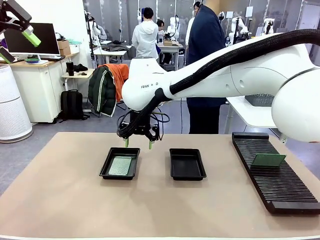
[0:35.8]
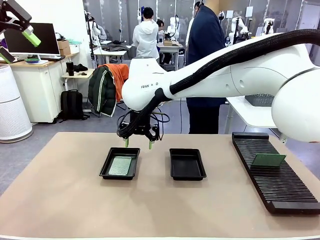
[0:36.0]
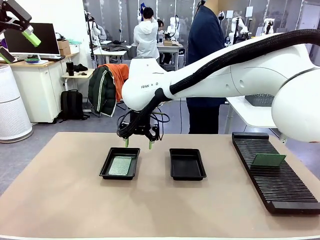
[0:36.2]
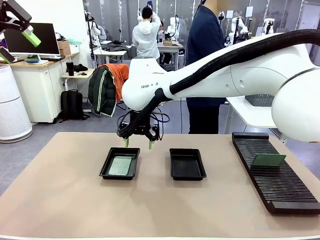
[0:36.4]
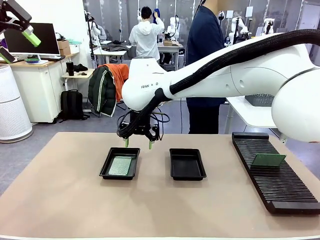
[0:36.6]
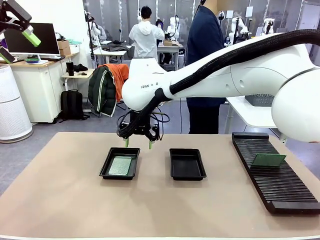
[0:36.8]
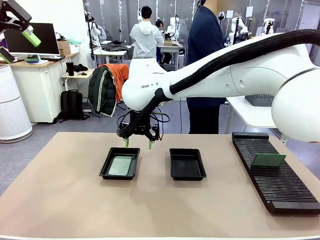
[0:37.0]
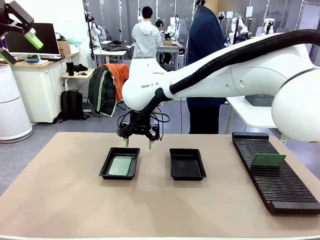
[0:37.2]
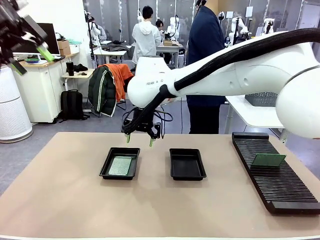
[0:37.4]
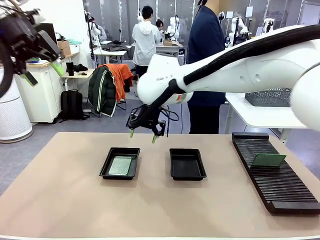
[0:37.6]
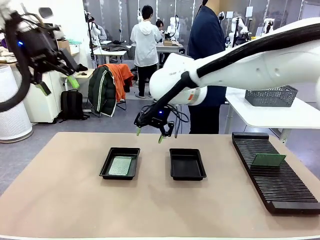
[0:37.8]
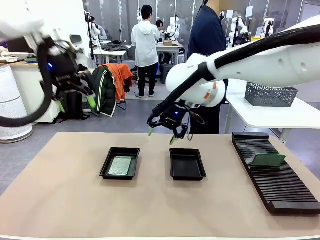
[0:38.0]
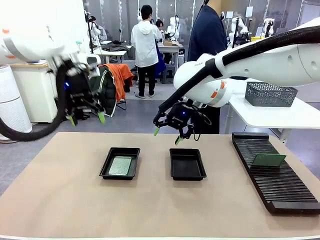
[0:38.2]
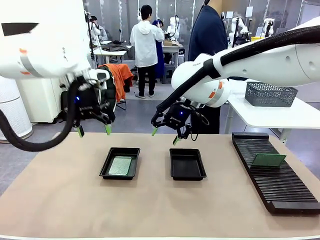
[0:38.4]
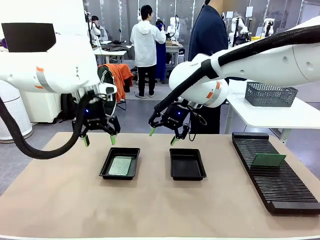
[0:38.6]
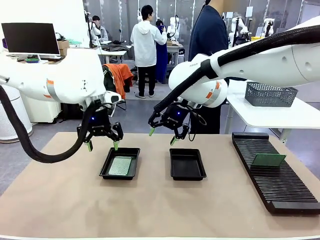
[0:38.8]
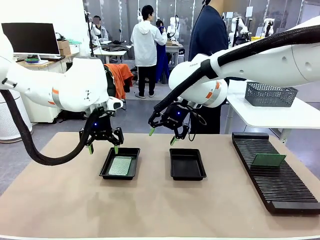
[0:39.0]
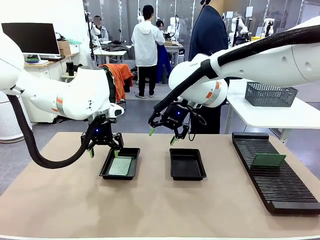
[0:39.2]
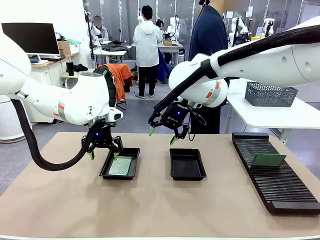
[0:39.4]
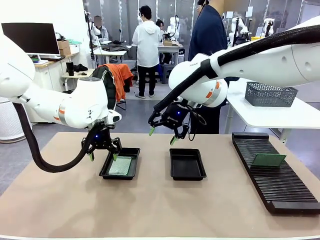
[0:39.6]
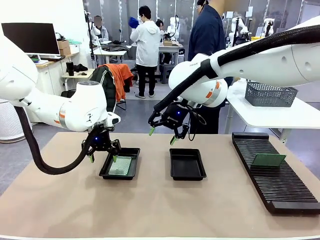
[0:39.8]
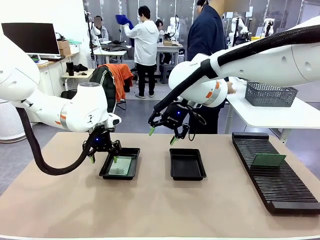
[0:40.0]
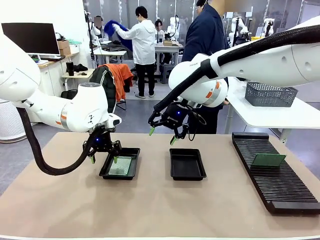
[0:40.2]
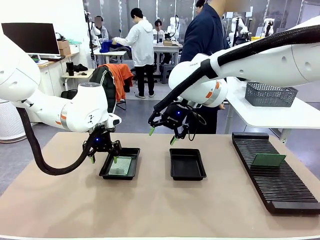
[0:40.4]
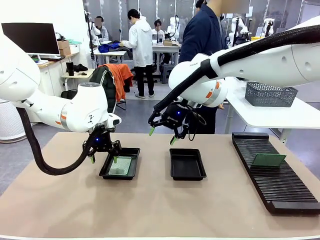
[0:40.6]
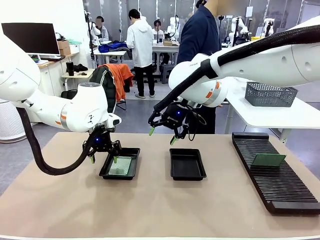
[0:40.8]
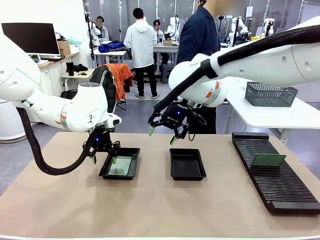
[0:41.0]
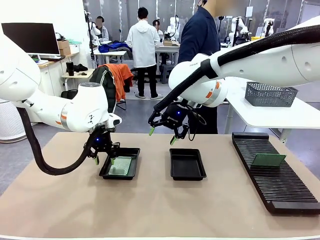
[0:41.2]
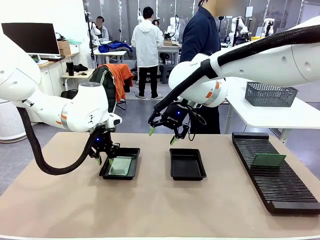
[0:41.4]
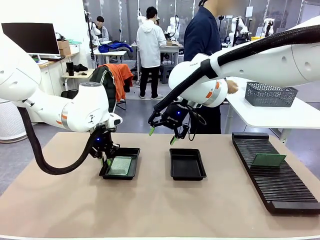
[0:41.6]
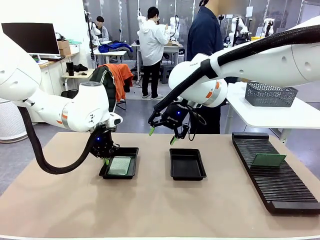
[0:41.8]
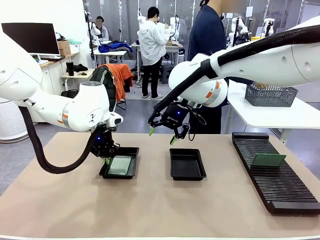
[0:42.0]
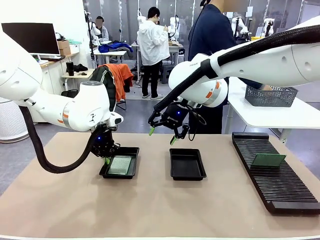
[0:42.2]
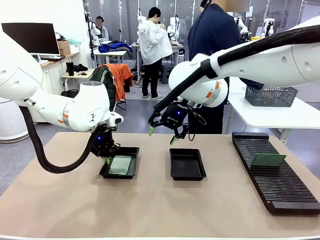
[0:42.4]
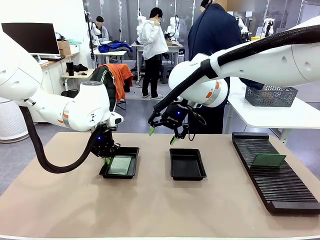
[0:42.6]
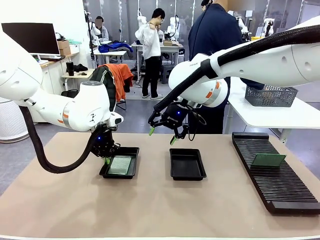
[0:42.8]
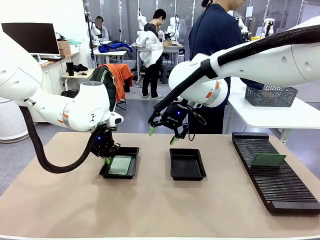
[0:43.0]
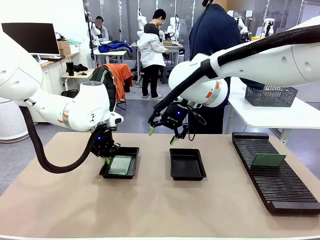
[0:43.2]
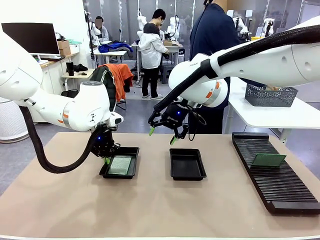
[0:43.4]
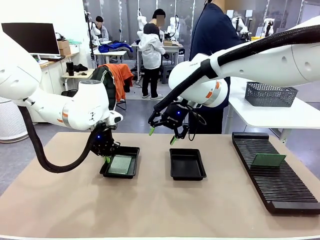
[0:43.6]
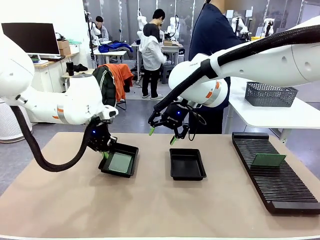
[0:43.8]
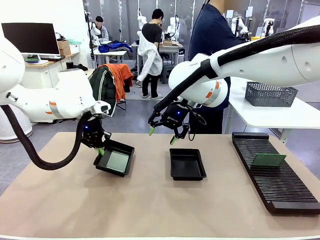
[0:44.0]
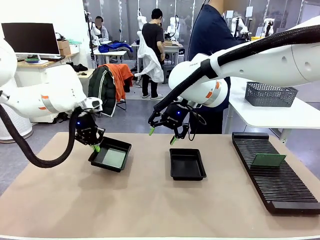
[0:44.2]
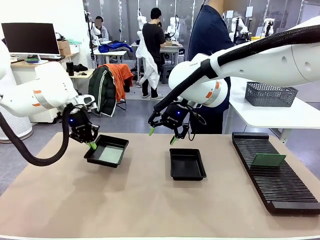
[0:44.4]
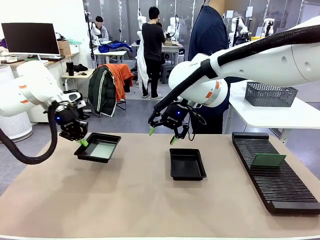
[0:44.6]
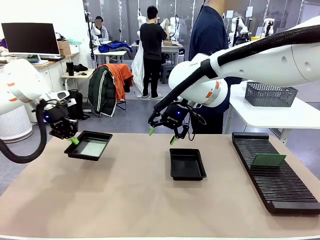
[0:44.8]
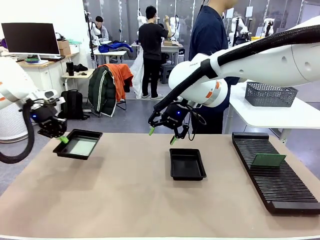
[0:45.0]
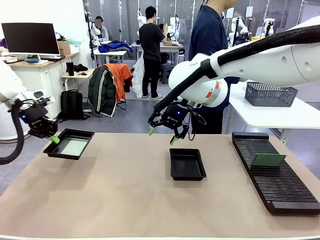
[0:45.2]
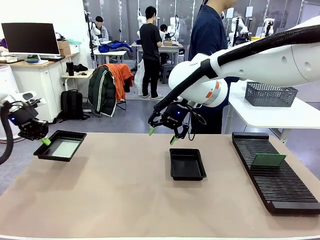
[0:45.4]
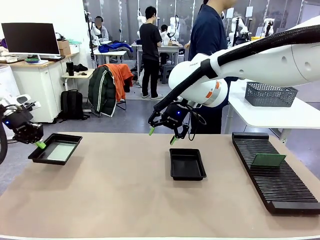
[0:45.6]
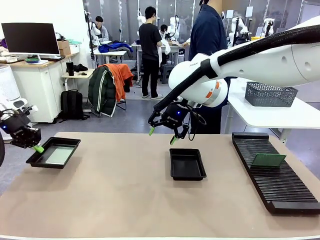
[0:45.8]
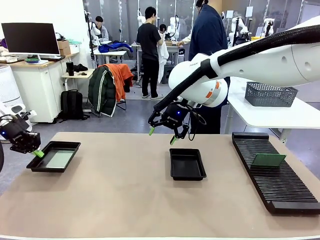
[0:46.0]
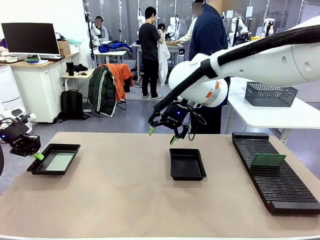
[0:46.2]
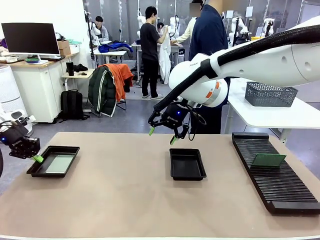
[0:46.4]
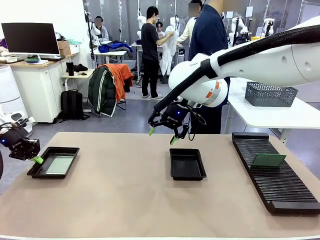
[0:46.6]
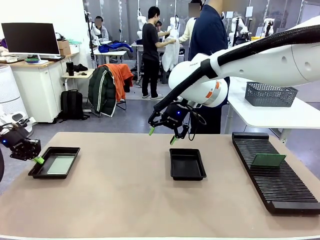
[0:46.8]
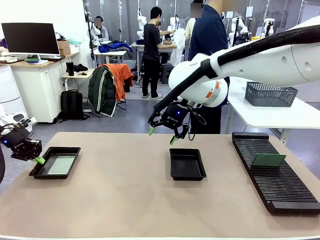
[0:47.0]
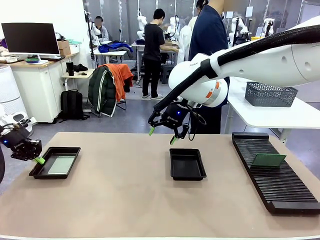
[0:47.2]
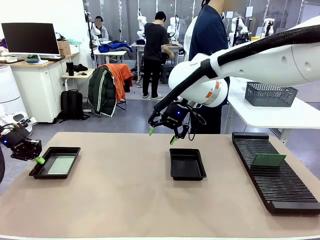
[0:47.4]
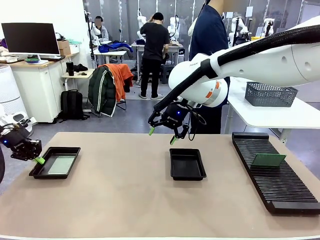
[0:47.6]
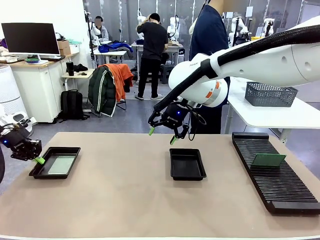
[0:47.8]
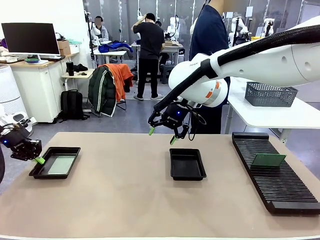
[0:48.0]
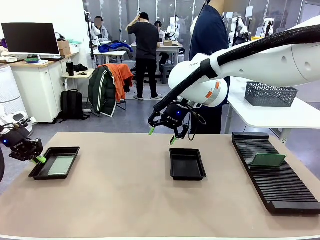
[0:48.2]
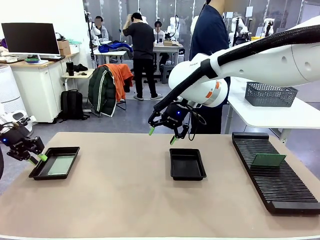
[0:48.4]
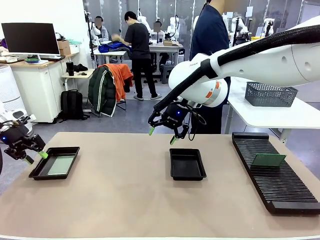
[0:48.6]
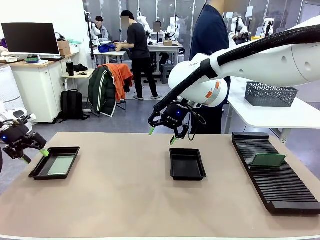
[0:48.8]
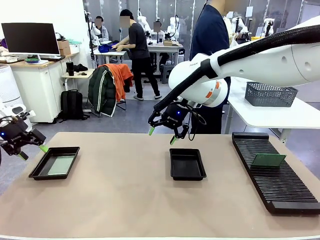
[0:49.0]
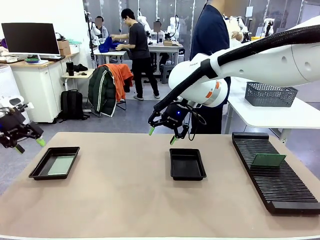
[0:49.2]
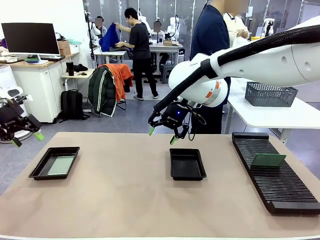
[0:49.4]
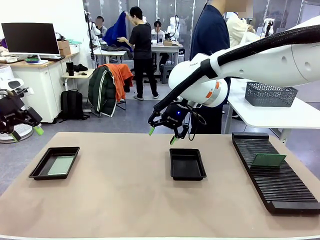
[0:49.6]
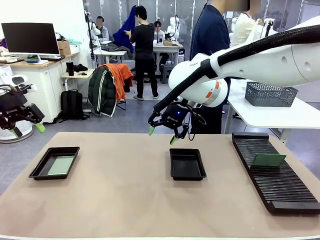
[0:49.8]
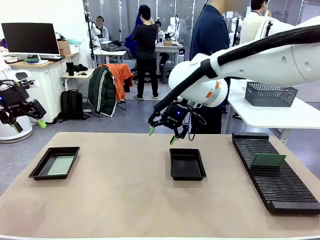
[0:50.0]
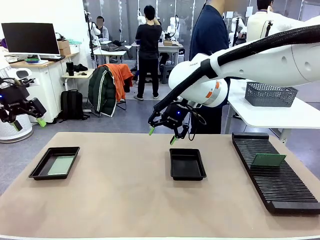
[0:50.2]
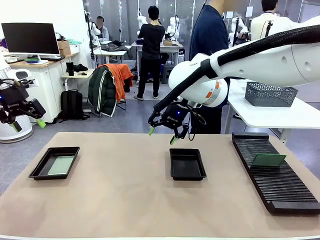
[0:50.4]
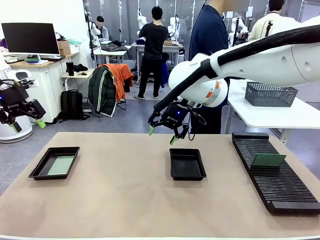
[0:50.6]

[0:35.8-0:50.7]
Task: Inspect and transfer BCBs to ESD trays.
Robot: Pick up the ESD tray and place it on the left side of the table.

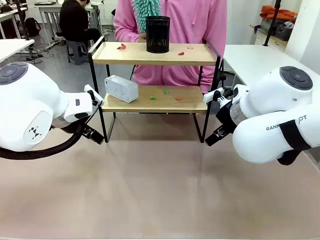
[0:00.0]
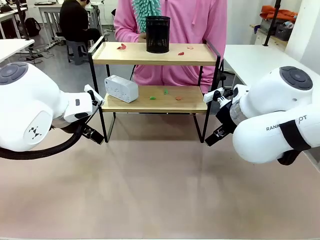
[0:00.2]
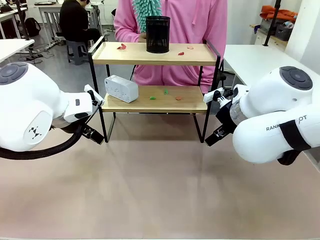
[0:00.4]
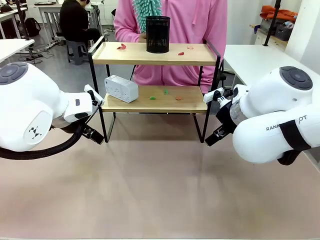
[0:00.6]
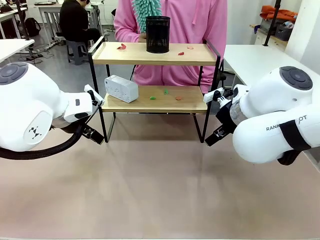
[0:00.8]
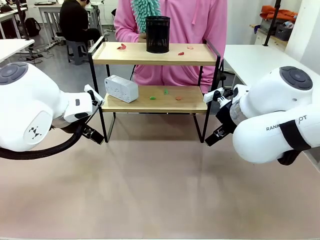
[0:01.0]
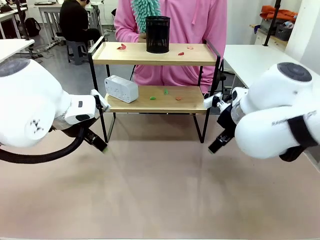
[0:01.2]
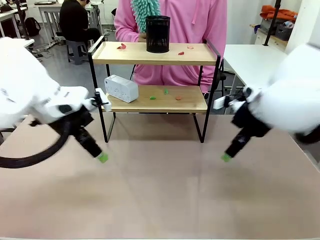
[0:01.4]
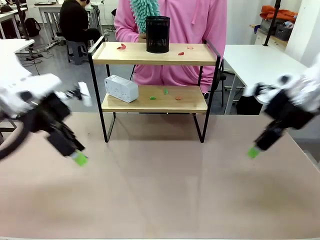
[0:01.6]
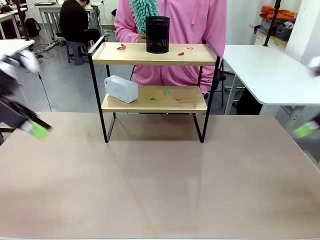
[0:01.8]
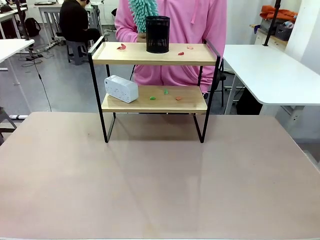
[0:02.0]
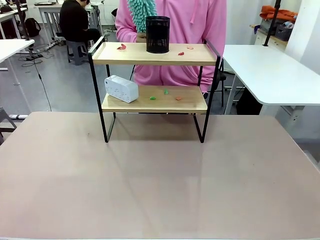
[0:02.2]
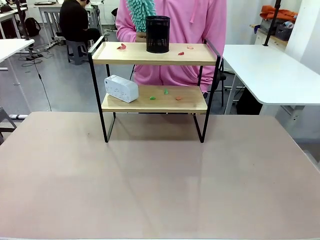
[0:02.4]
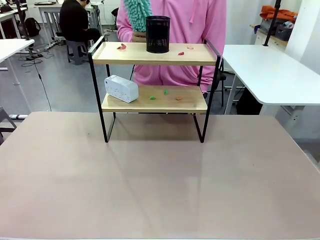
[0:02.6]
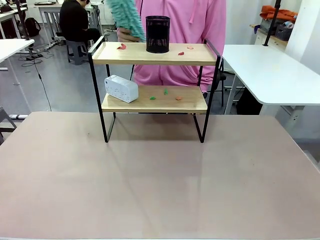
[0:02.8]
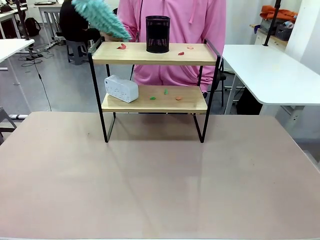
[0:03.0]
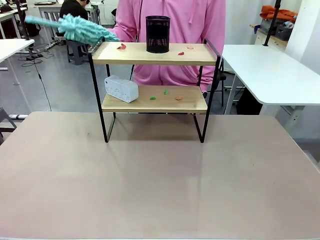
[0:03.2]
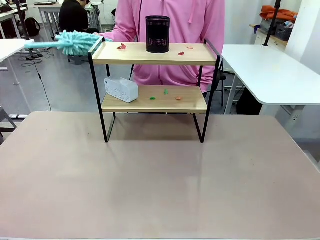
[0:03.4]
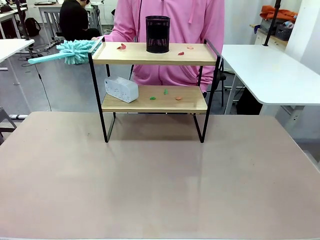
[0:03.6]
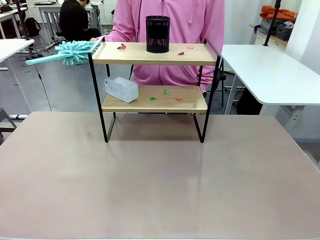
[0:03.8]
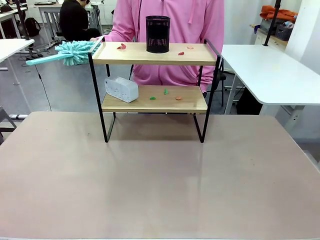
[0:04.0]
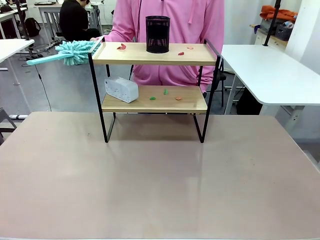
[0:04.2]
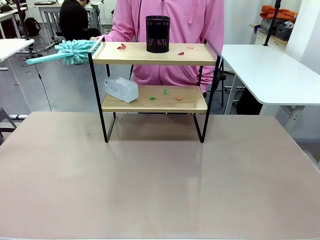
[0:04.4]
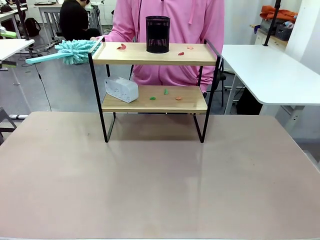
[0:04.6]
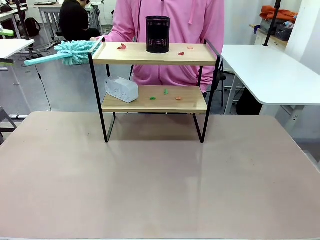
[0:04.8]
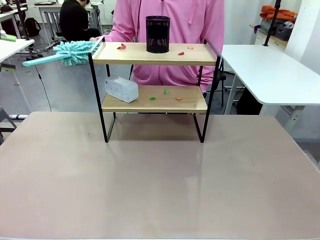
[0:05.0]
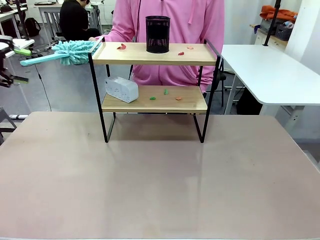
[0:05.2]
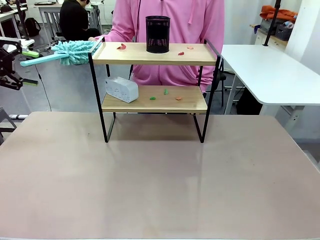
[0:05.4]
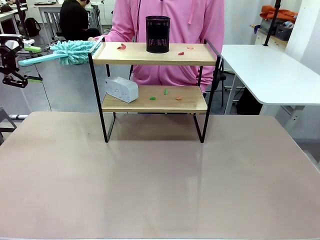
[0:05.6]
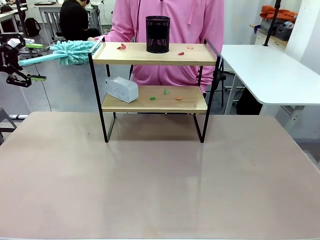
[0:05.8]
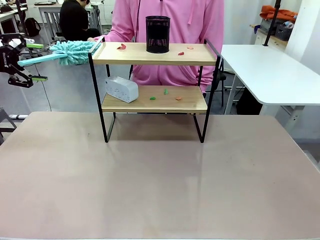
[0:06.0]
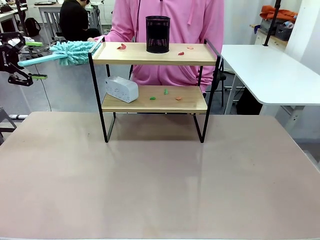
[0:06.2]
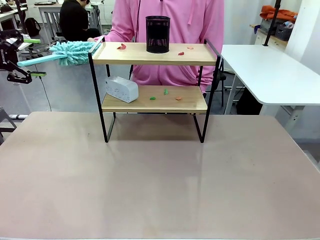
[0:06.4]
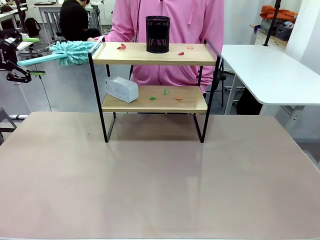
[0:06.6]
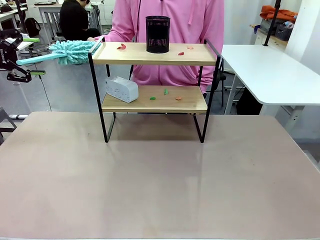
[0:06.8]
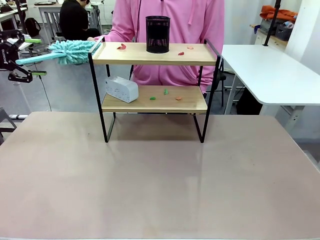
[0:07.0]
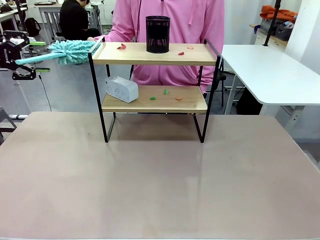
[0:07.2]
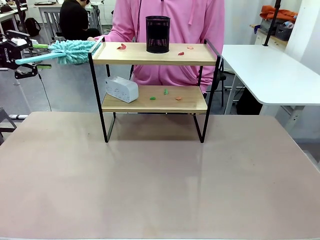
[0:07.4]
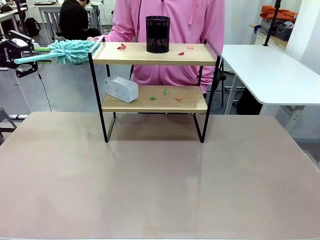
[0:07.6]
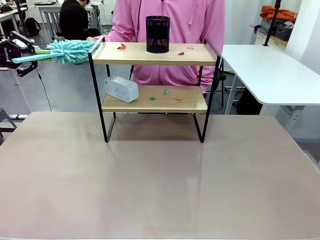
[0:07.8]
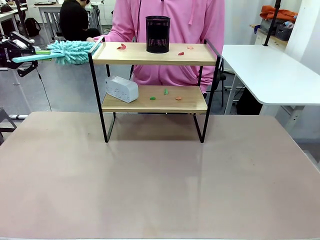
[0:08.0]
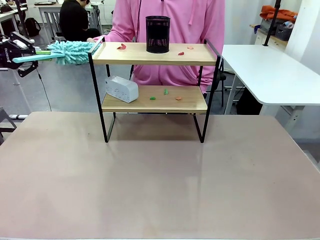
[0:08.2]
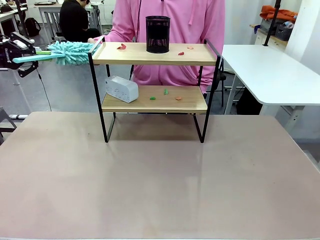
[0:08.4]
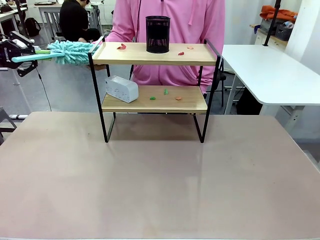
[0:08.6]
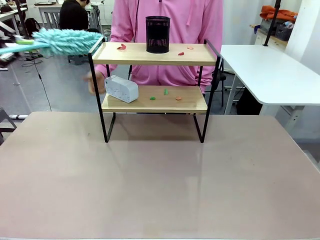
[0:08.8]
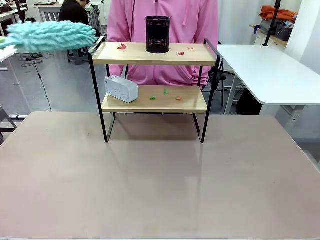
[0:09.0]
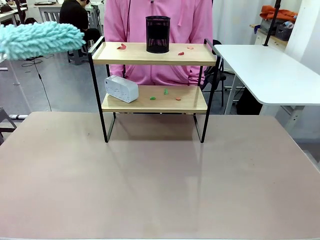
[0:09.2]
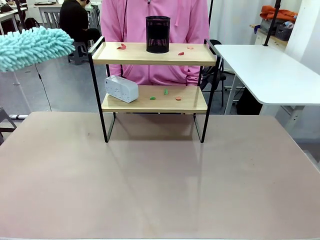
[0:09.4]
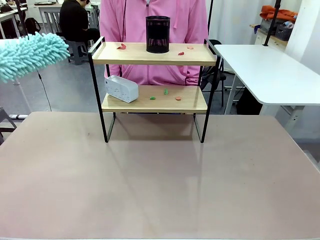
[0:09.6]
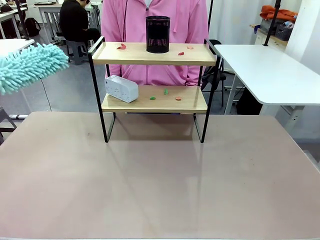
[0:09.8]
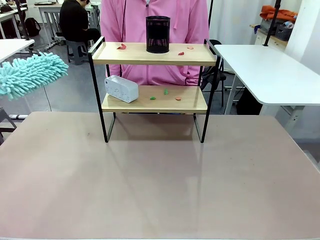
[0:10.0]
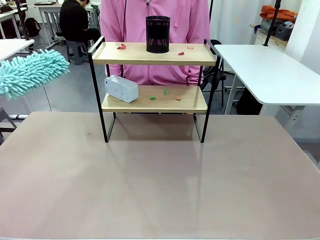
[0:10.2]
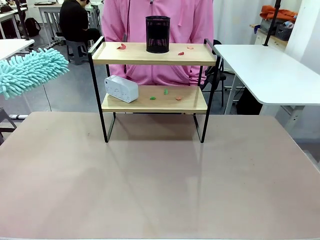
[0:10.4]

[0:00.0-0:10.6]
Task: Clean the shelf.
Robot: Pick up the Duster from the human.
Person: Hand the Duster to the robot.
